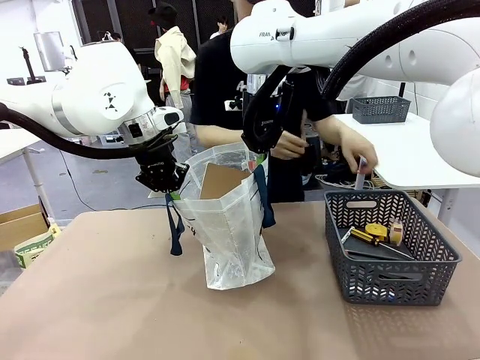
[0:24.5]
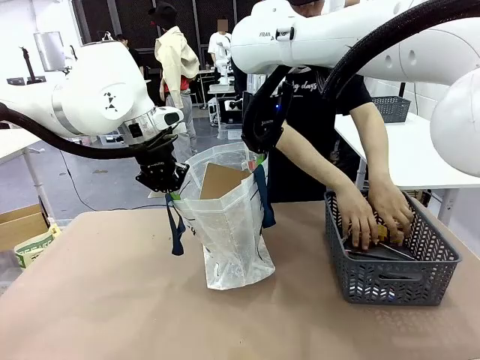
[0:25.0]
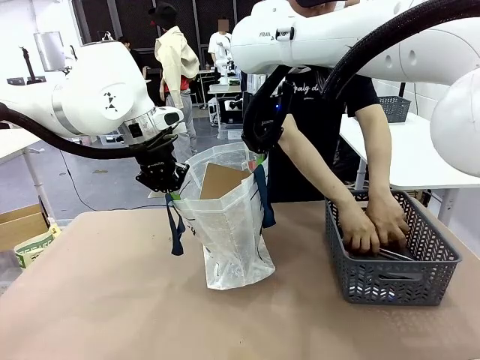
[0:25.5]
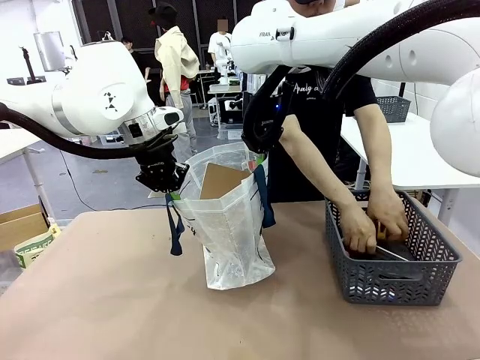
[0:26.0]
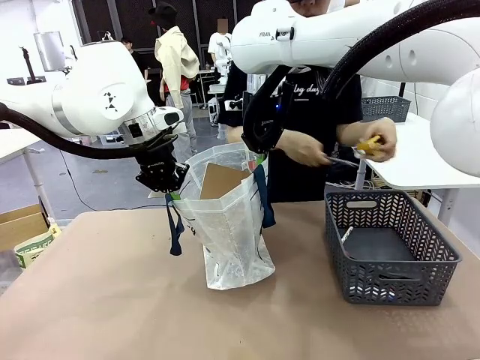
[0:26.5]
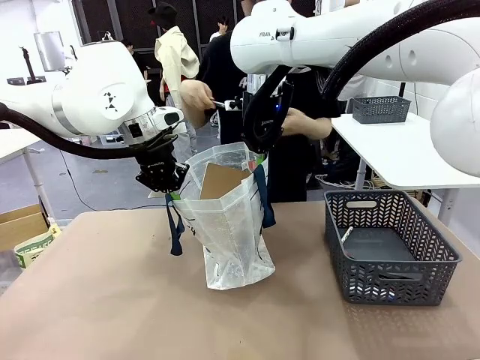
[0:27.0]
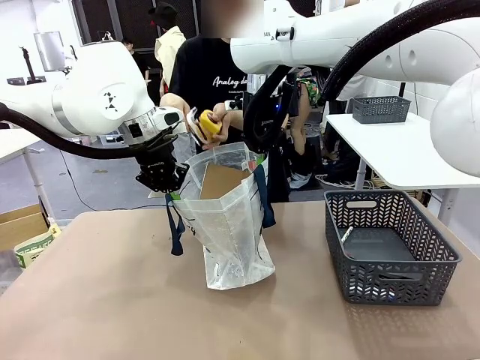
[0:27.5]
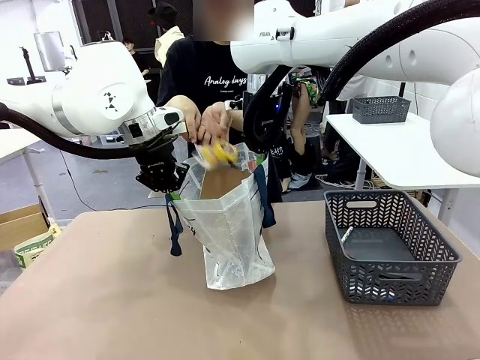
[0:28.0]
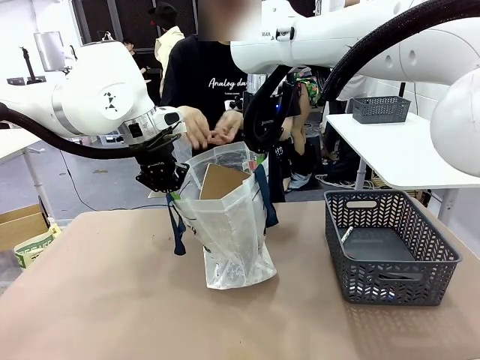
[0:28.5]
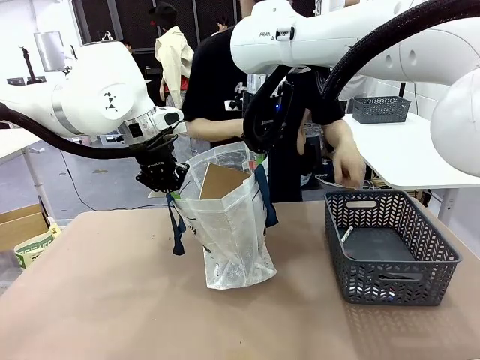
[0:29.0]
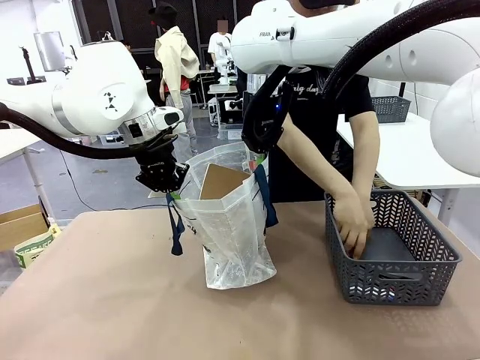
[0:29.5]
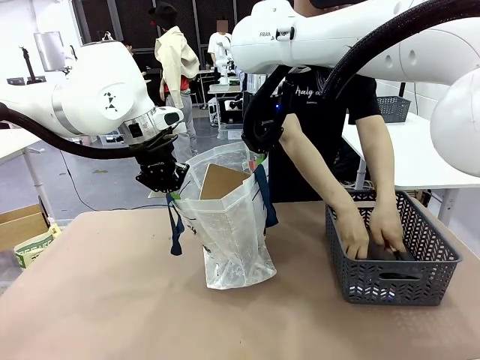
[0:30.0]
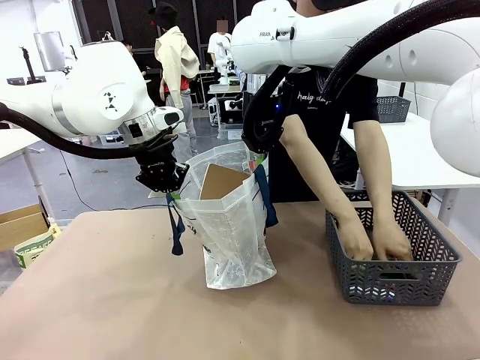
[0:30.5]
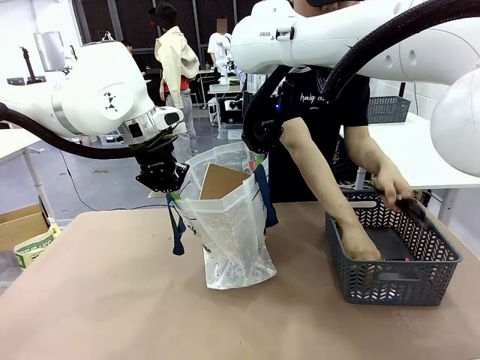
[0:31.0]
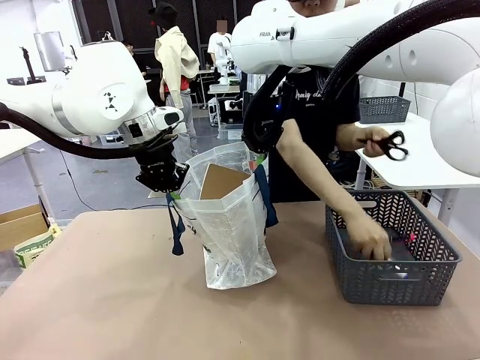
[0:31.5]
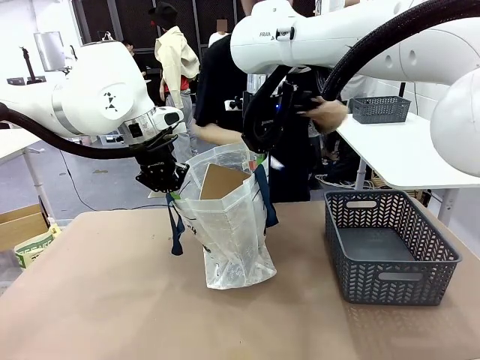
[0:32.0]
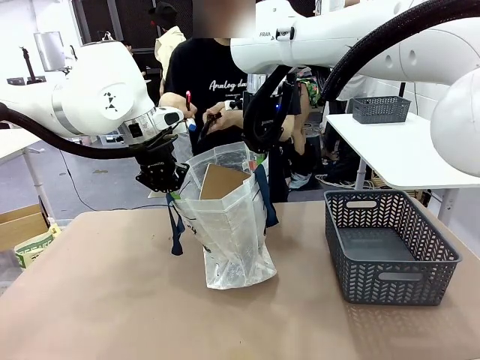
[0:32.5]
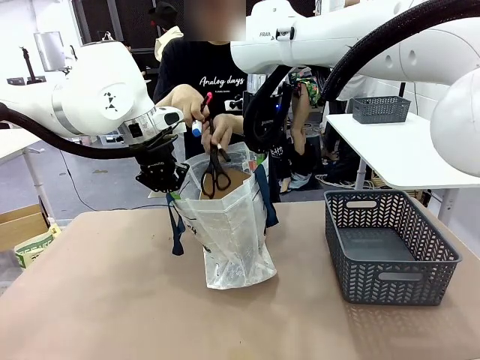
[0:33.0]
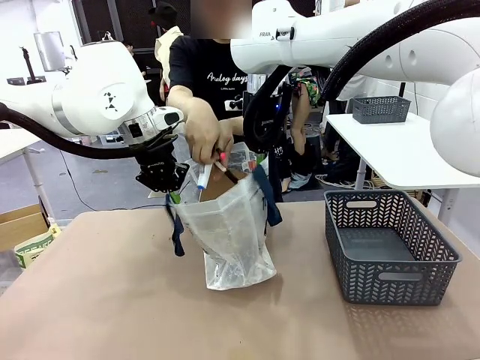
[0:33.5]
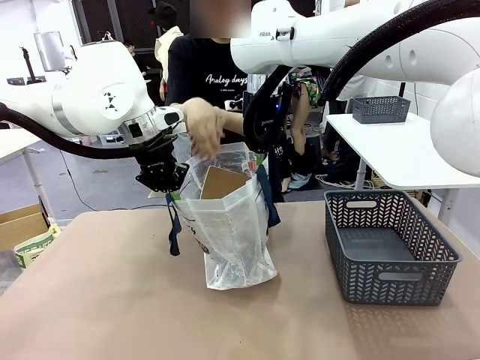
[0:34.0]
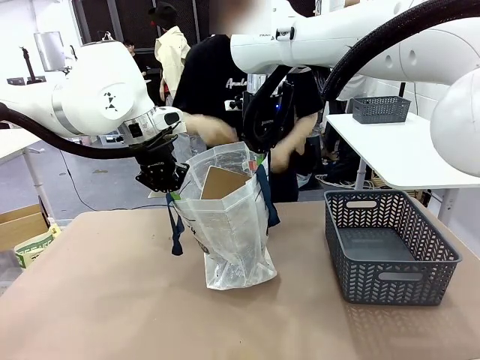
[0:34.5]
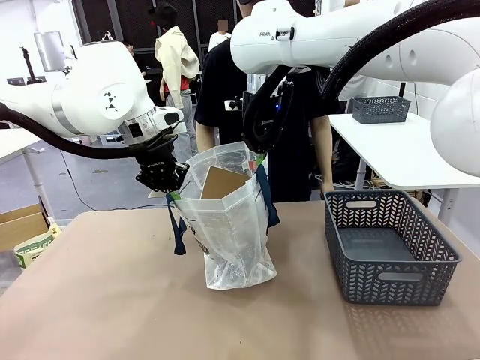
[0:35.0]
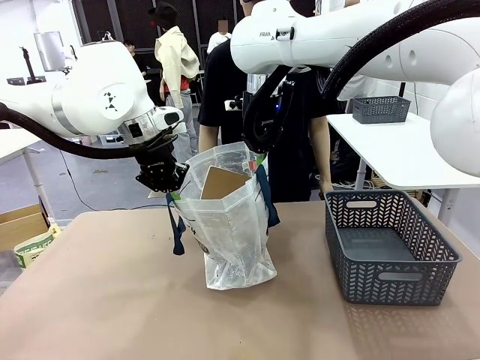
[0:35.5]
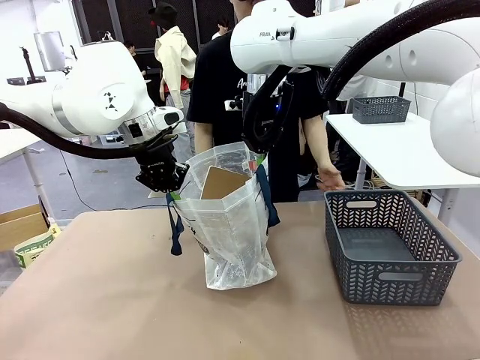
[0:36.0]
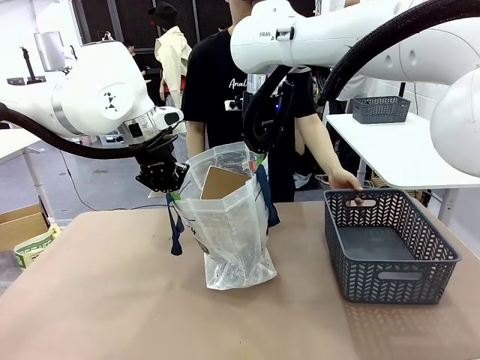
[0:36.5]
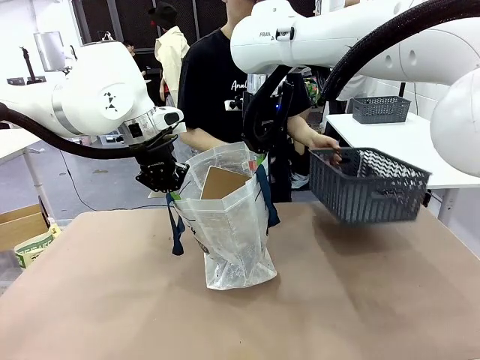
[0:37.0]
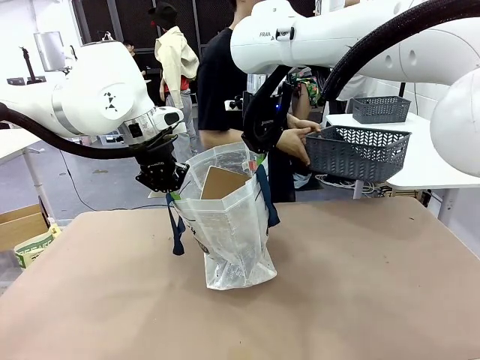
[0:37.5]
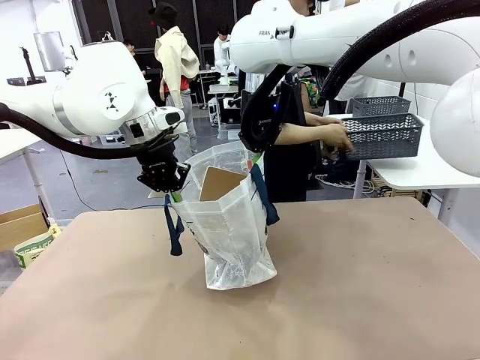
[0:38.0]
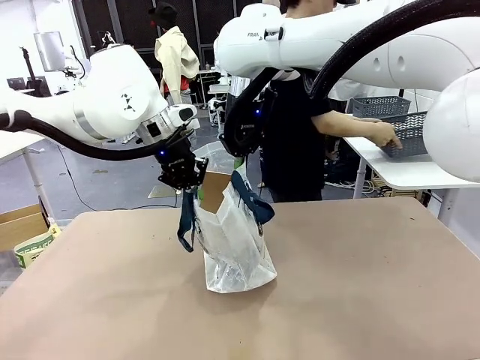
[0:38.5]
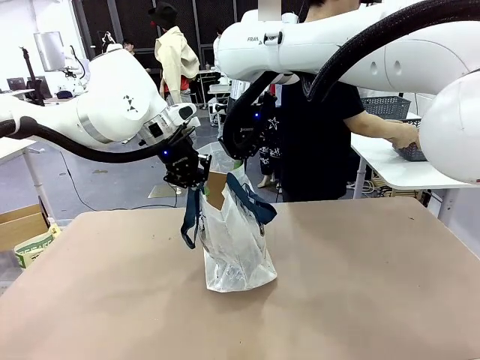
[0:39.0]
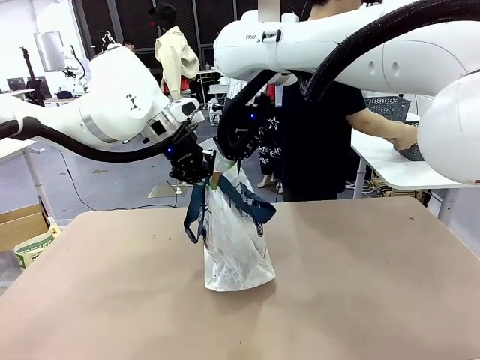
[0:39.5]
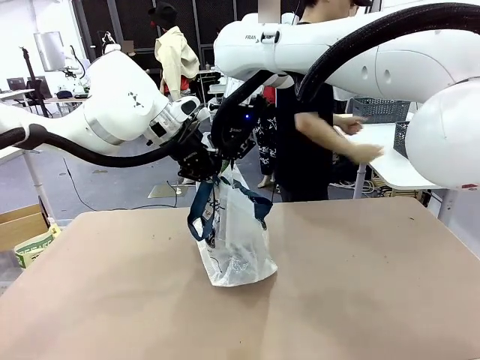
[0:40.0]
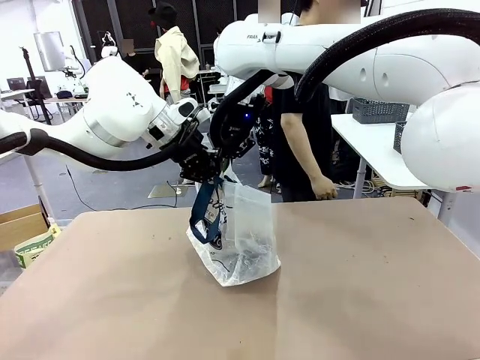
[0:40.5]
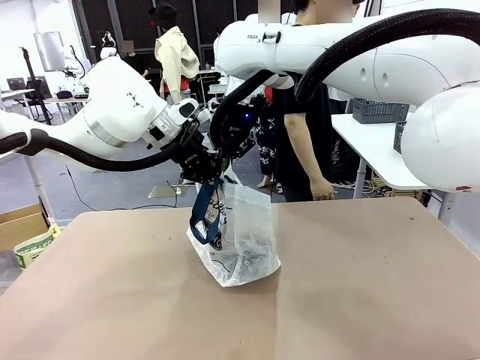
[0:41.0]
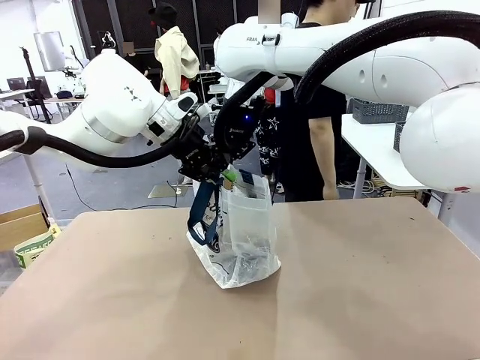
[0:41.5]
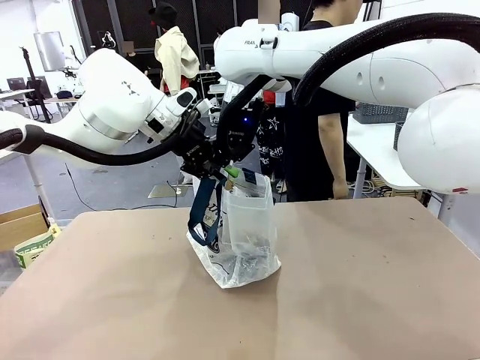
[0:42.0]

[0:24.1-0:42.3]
Task: Transfer purchased items from the store into the shopping bag.
Robot: Move the Reusable shopping bag to the right side of the table.
Person: Pick up the basket with the items out and place it on the right side of the human table.
